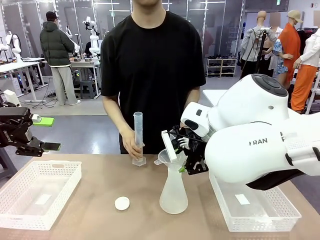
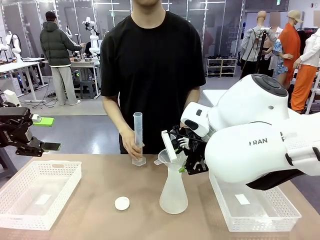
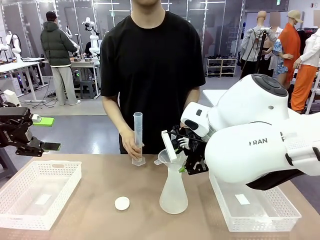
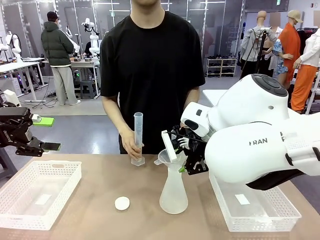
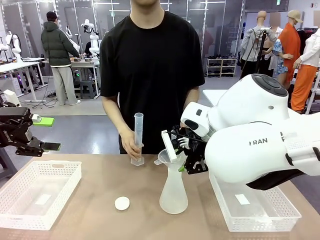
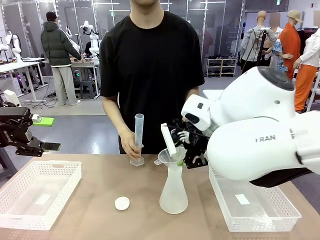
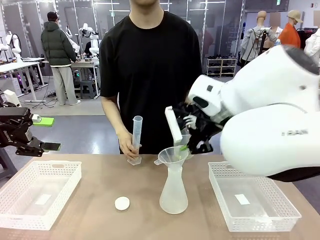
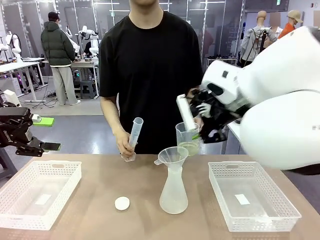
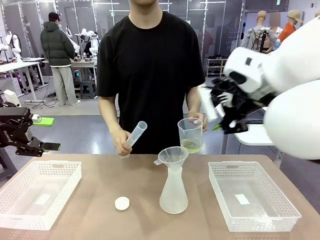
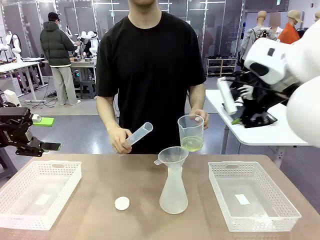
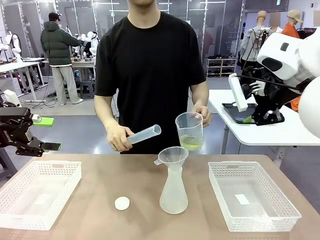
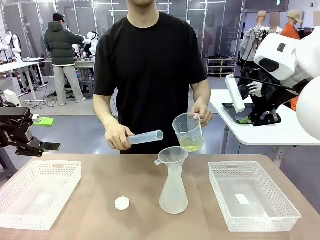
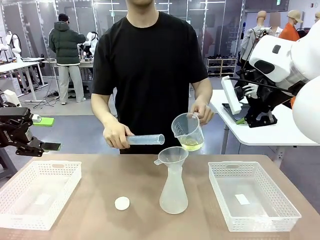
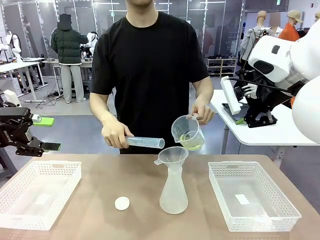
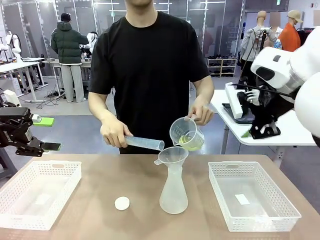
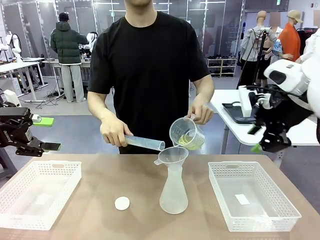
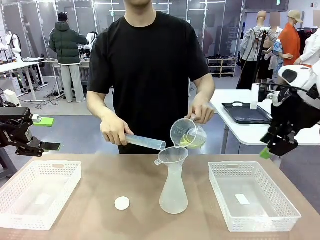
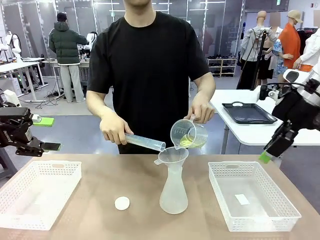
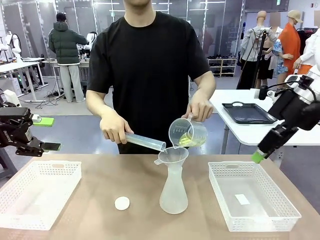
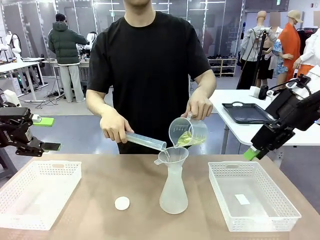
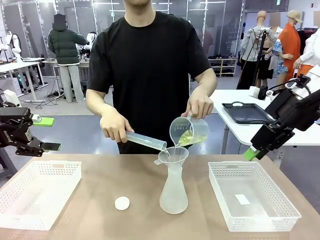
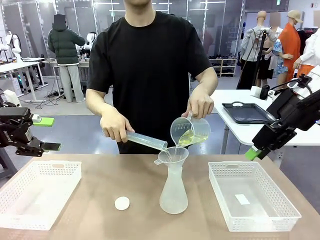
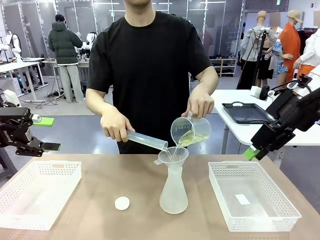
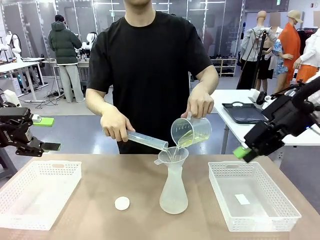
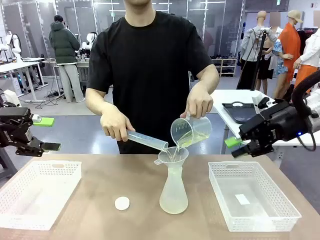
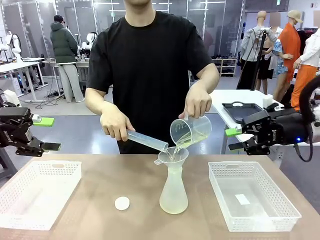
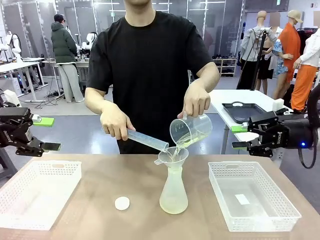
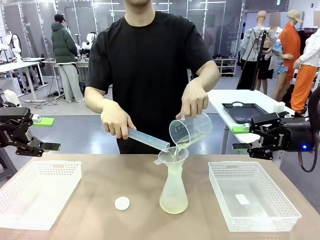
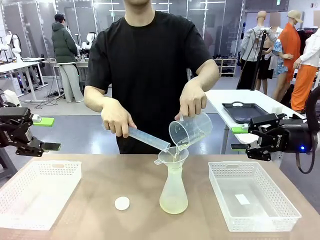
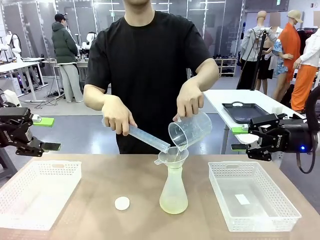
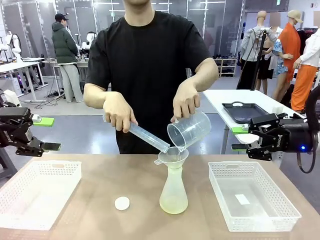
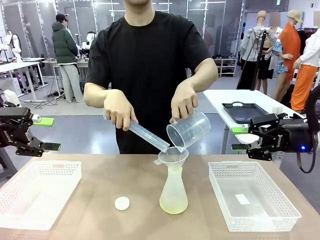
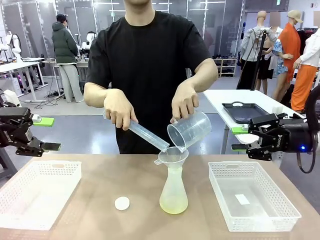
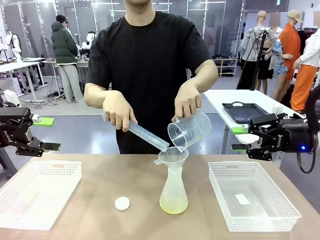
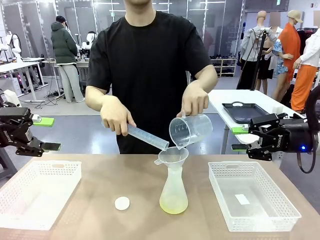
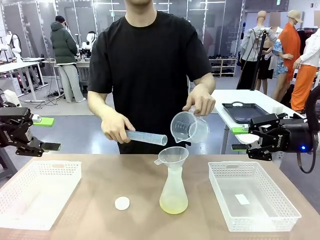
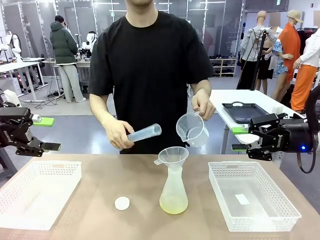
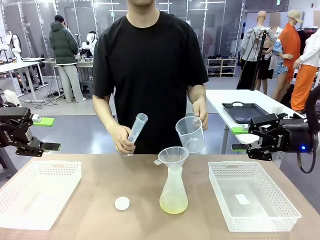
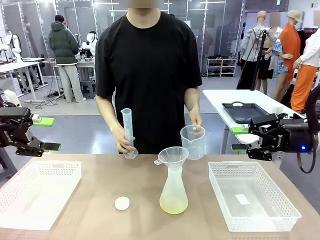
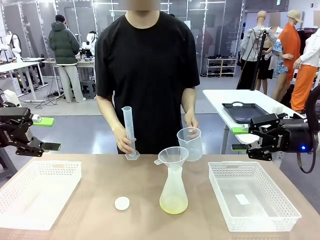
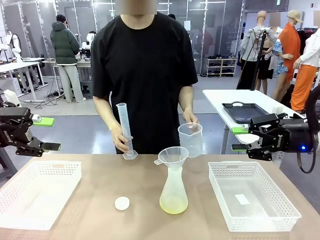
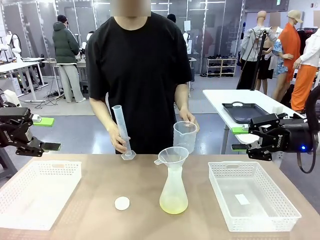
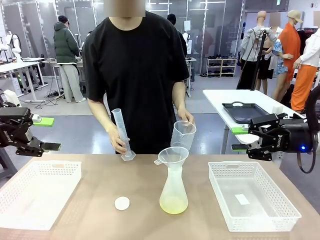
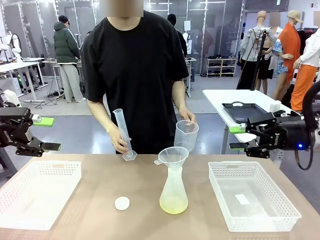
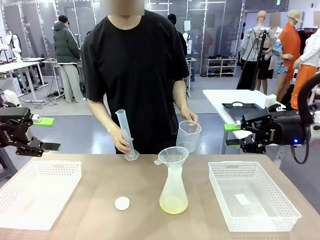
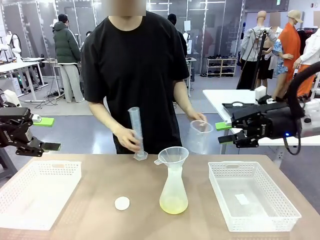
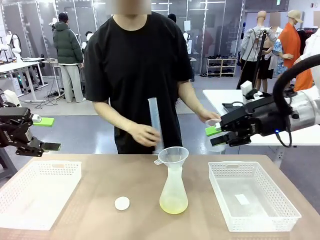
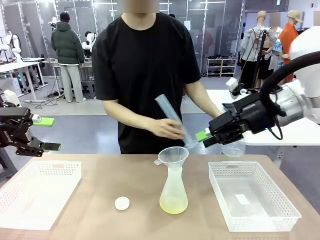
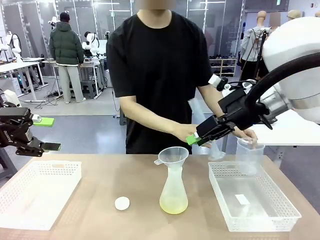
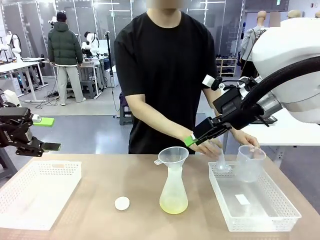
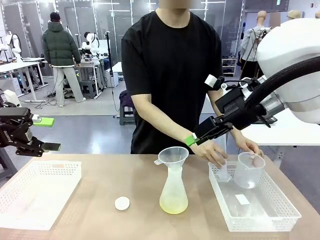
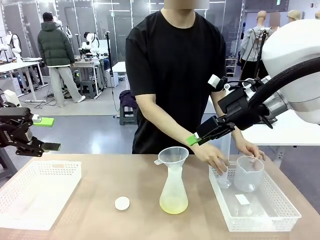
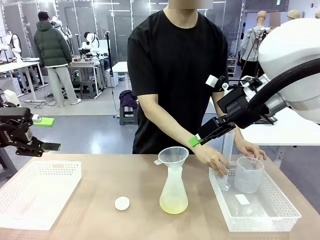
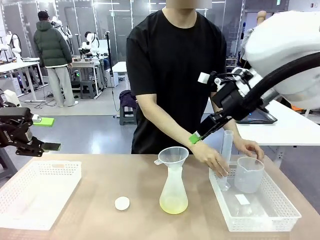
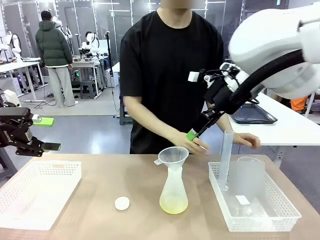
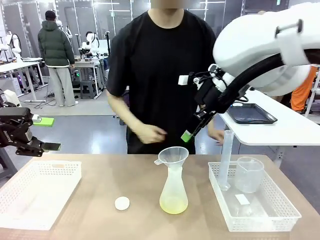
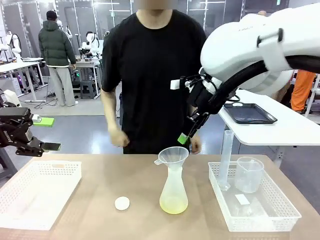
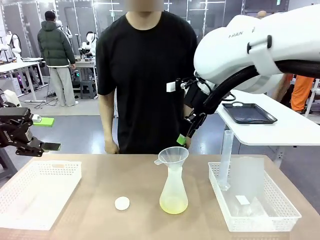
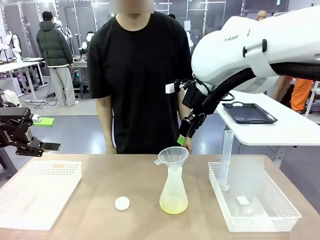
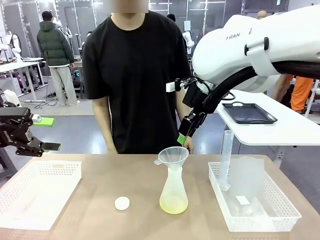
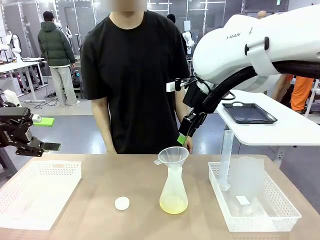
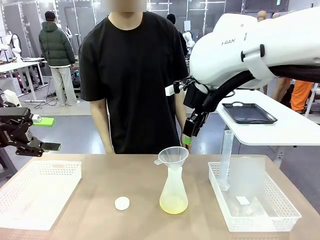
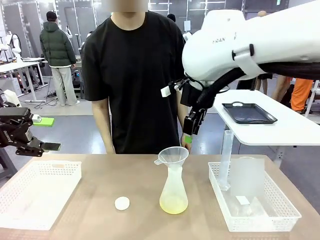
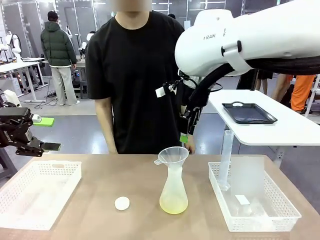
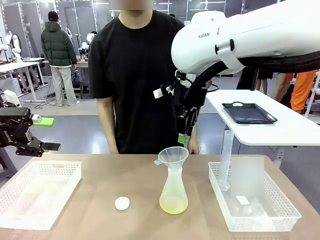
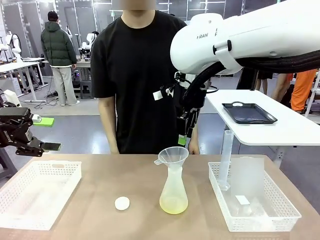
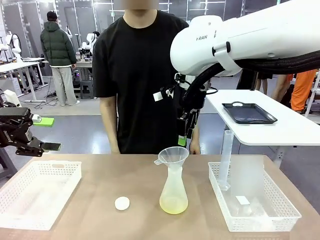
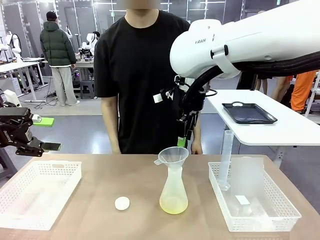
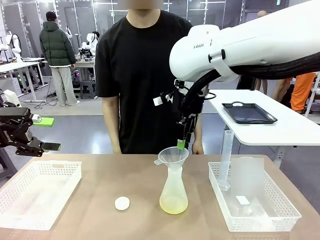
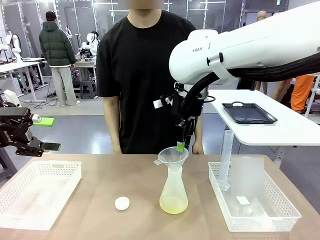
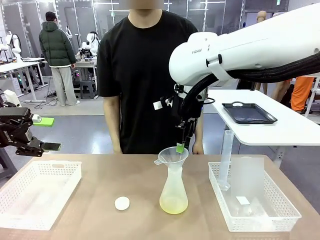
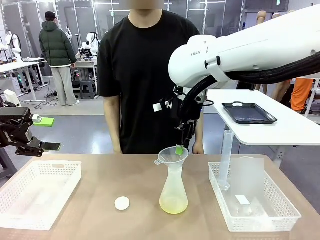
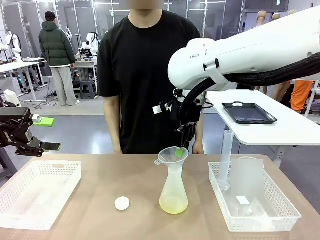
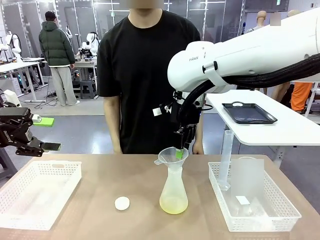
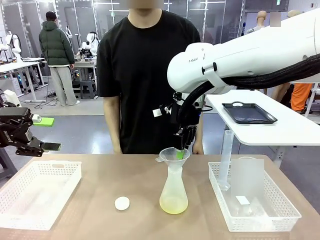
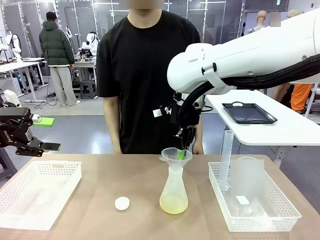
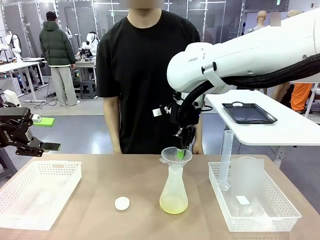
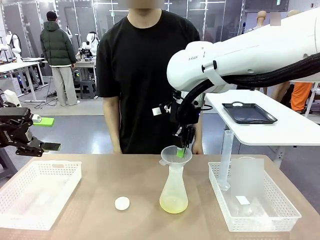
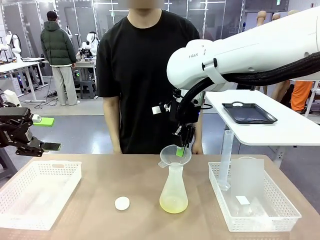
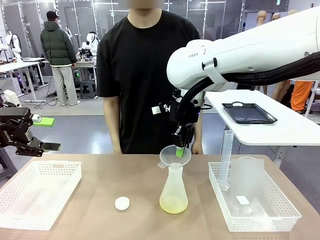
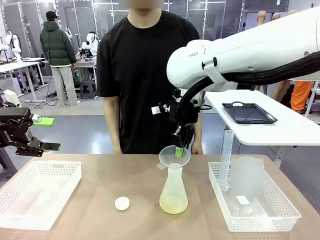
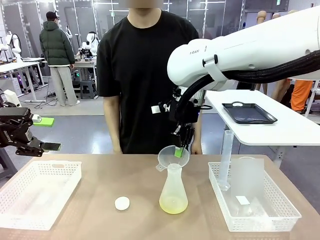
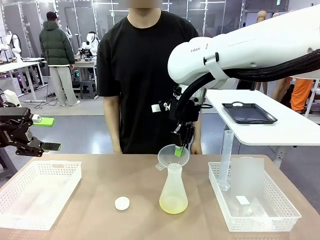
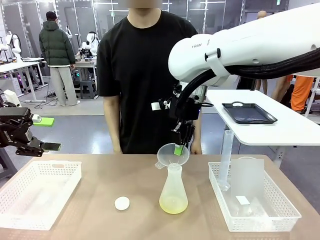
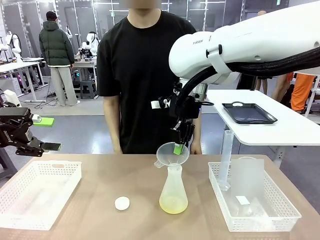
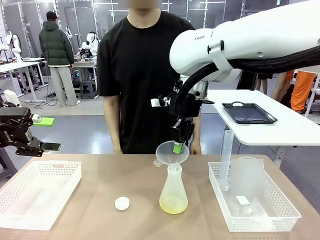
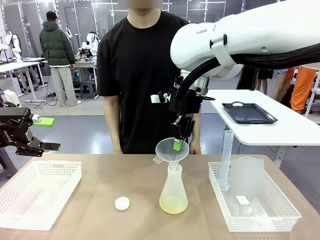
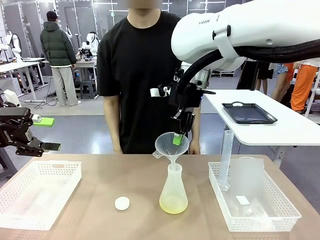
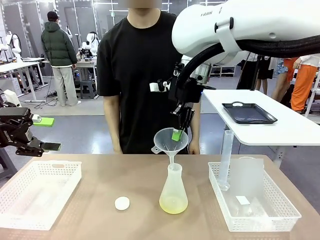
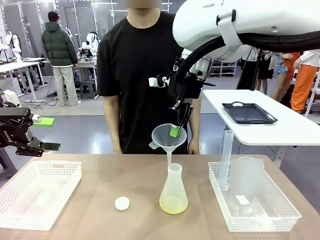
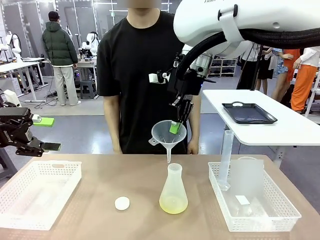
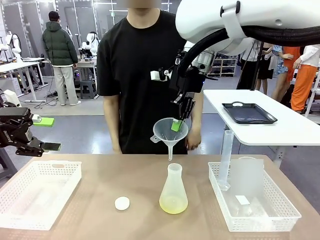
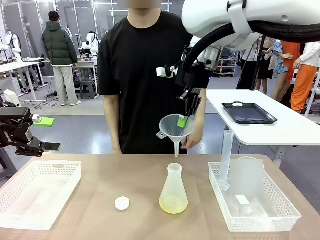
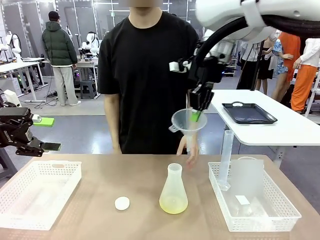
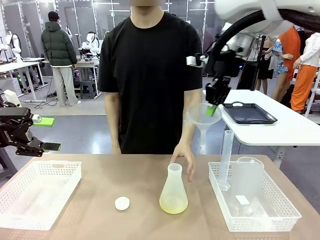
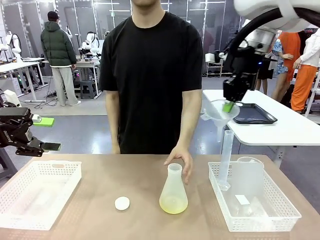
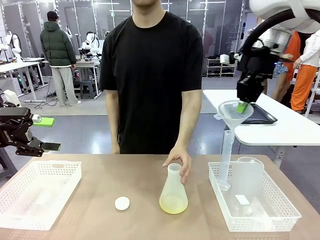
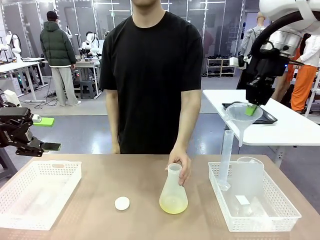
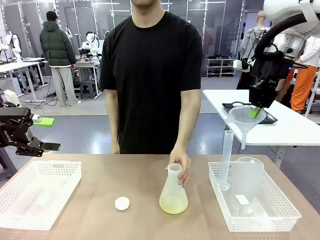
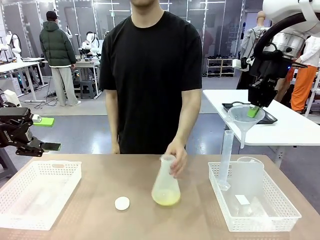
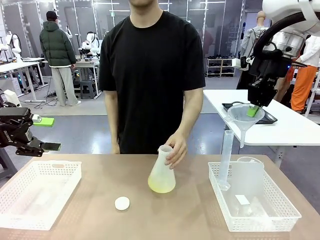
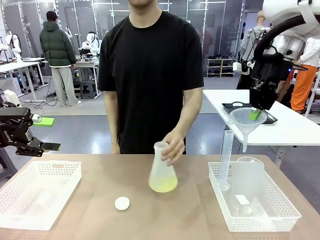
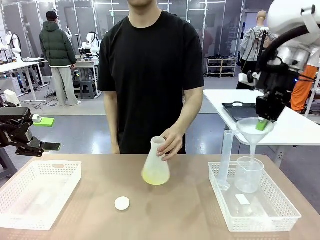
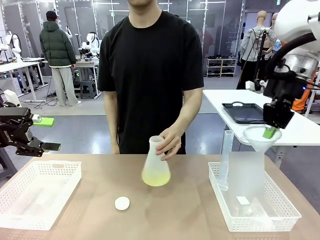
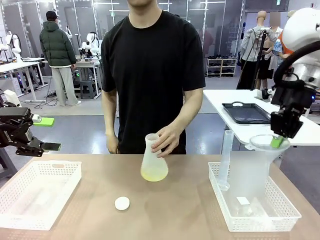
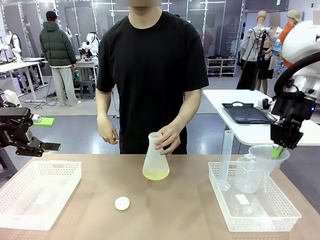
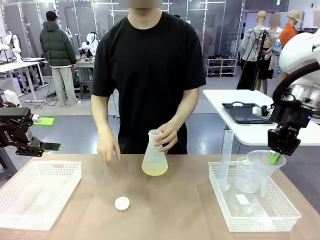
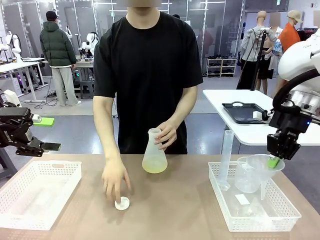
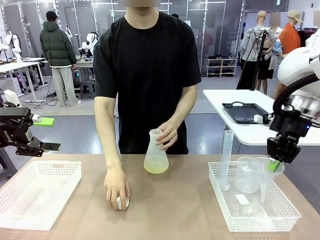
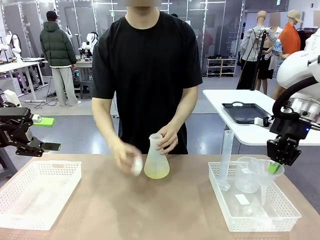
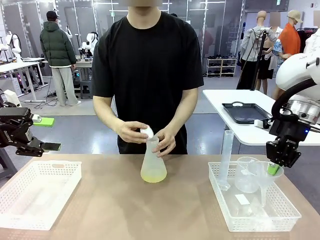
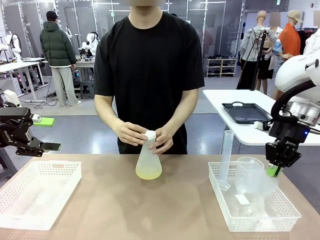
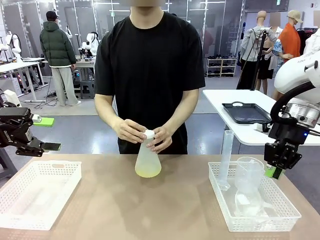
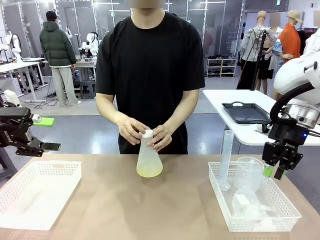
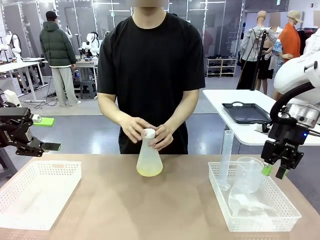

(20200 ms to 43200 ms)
Task: Prepare the solutions needed for the experiment.
Robot: Once the solution is in the Big flask , pick up the Plastic Funnel and place it back into the right Organizing basket.
Person: Place the beaker and the cylinder into the organizing basket on the left side. Pick up the flask, gently shake it 2–3 times, place it in the middle of the robot table, and close the lid.
